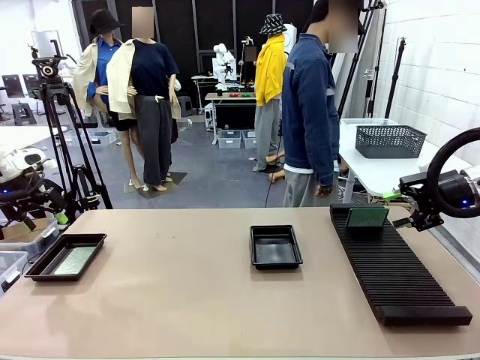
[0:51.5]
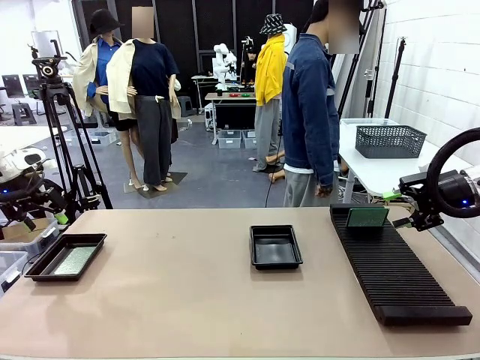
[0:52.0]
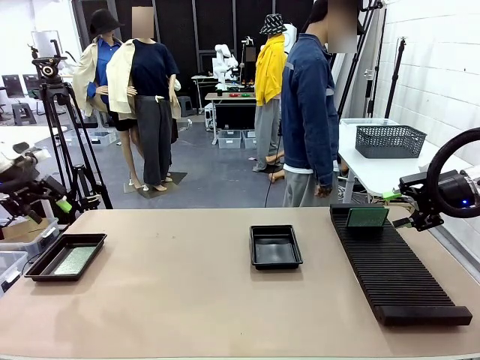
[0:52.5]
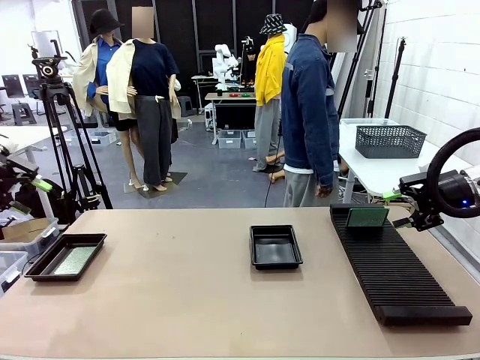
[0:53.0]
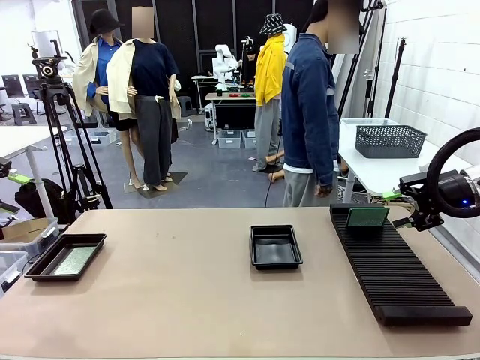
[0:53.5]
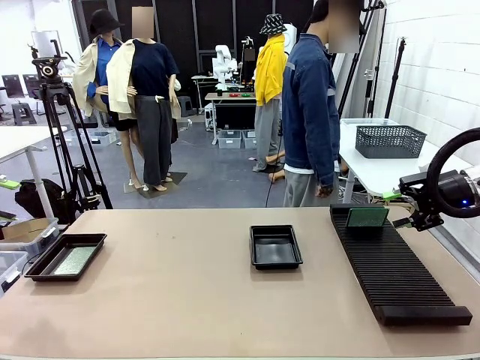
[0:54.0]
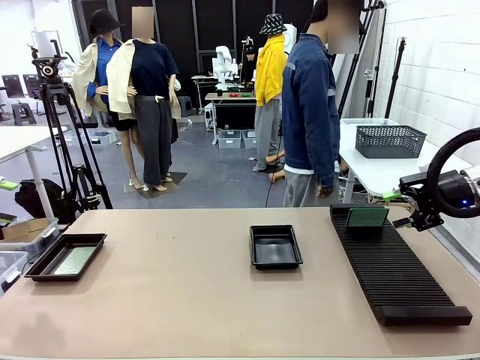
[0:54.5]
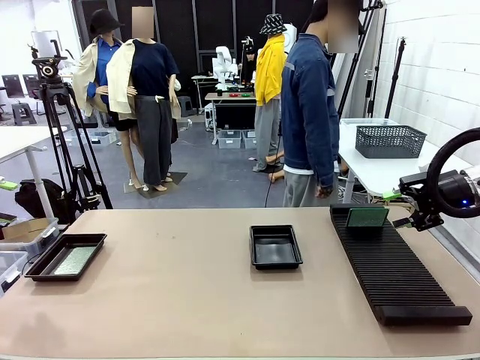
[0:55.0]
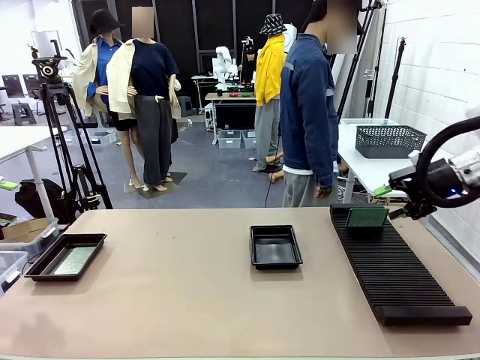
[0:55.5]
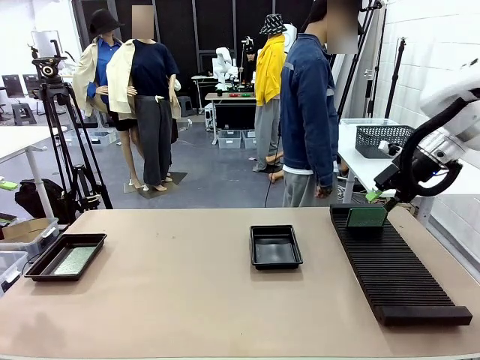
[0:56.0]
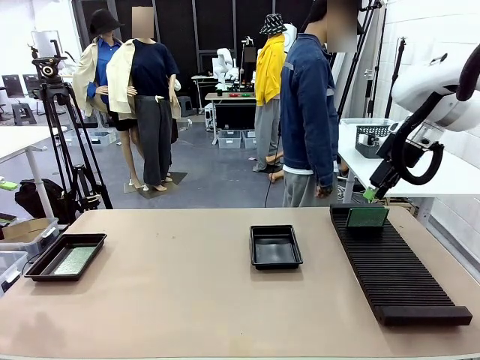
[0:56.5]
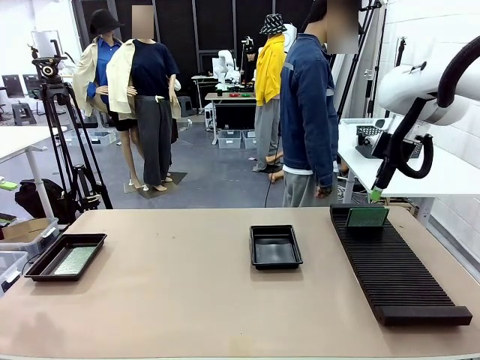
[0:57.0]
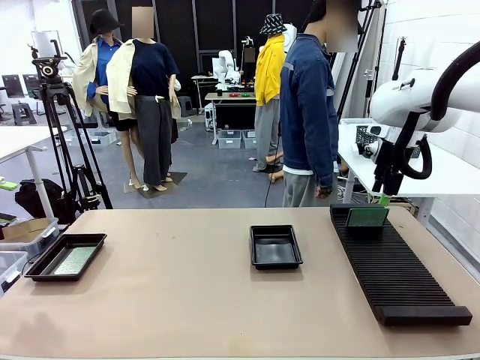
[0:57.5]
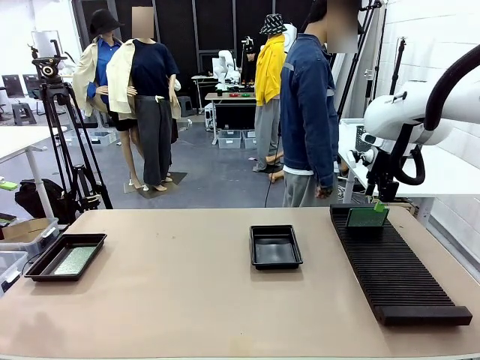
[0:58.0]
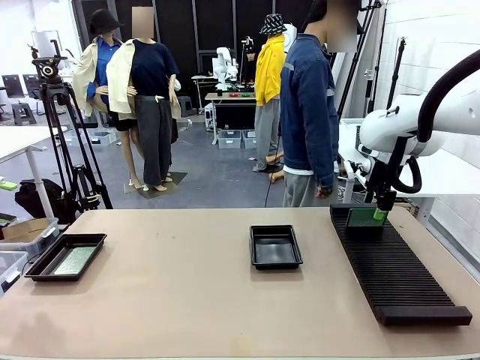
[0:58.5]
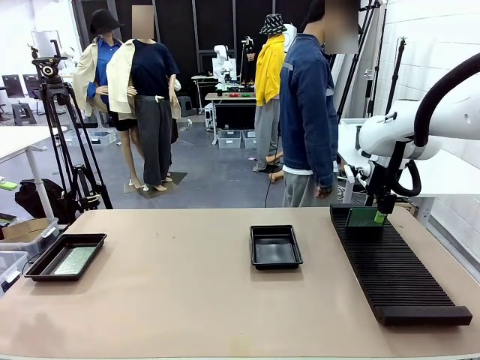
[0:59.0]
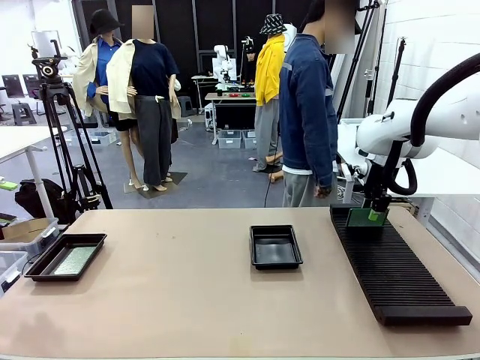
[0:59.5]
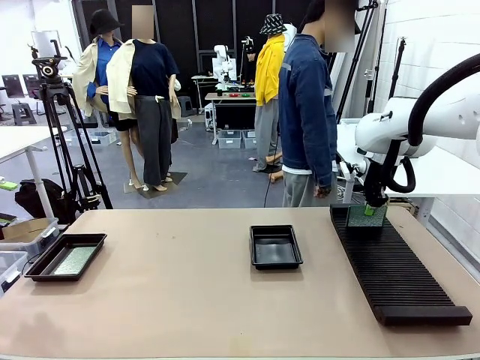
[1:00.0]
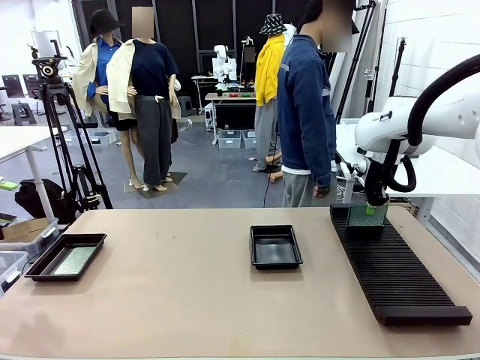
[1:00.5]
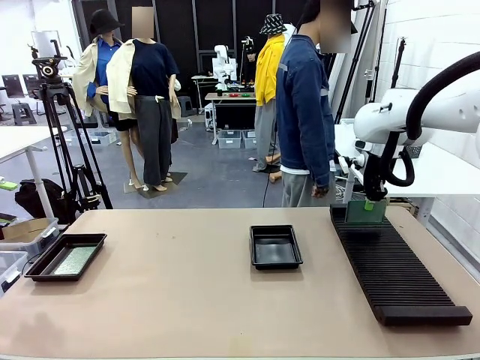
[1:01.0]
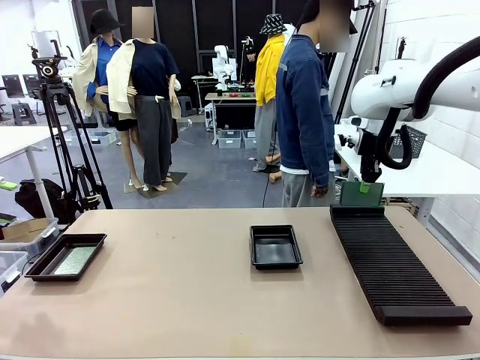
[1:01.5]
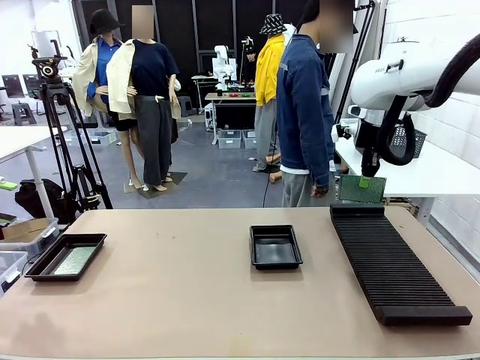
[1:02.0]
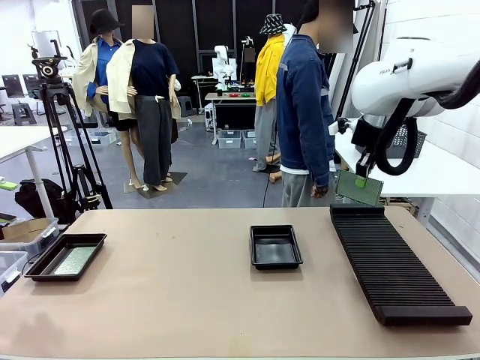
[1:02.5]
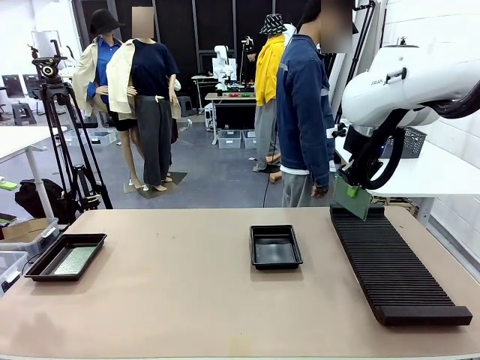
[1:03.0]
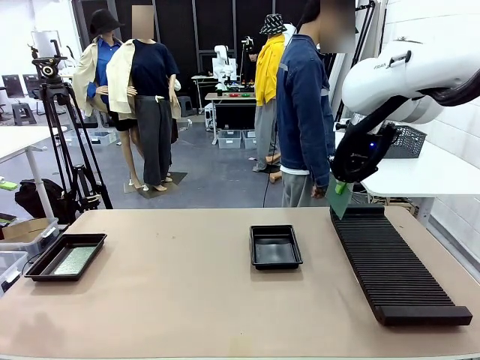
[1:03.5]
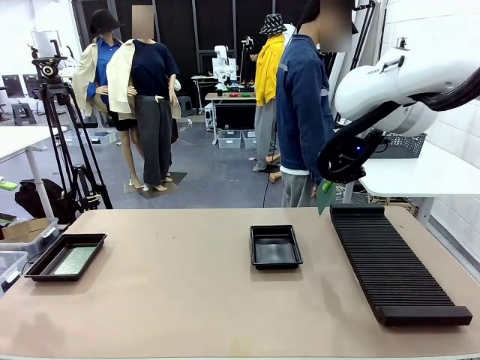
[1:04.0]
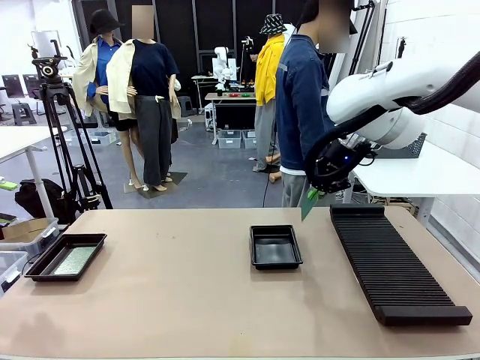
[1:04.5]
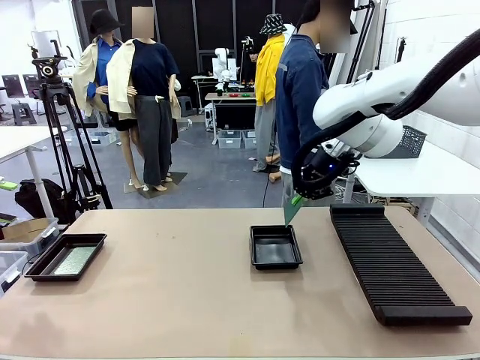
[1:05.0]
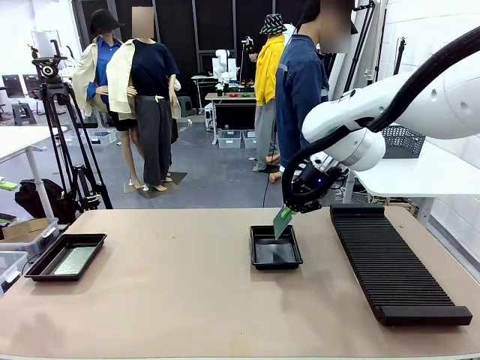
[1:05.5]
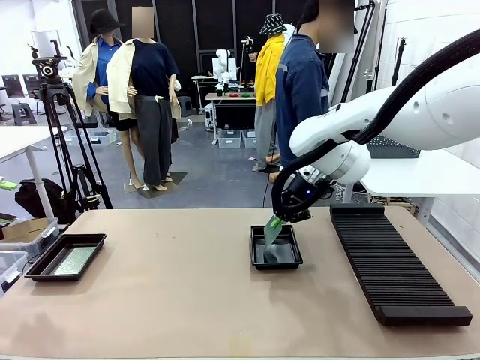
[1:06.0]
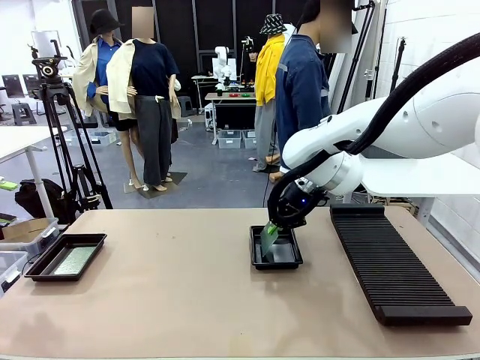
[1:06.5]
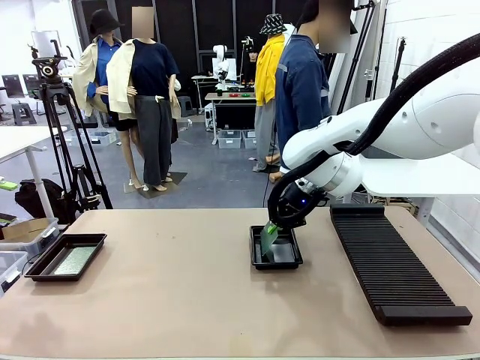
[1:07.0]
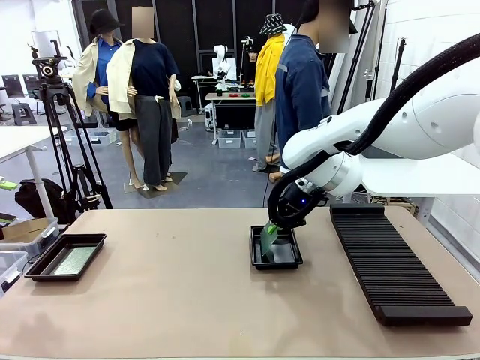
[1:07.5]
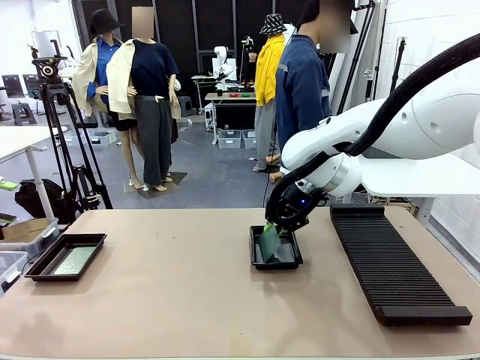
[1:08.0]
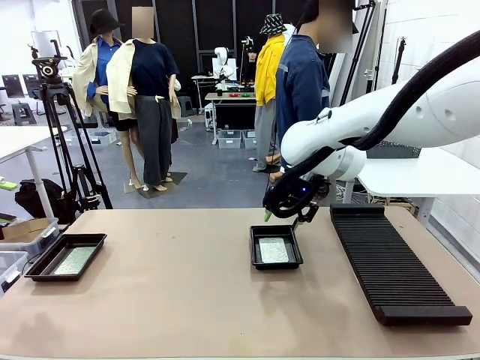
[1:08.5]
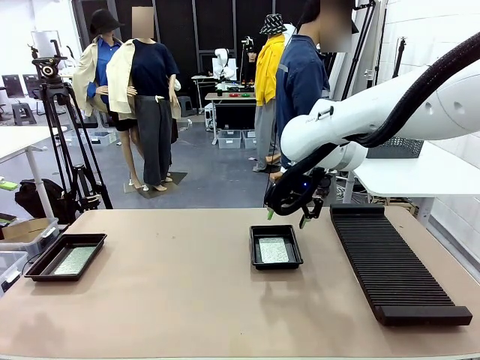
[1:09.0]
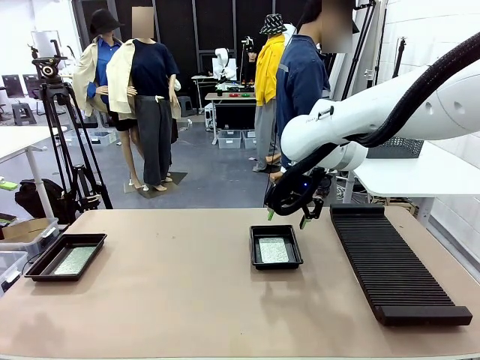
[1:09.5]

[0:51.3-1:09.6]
Task: Inspect and transfer BCBs to ESD trays.
Robot: Pick up the Blank PCB from the PCB Rack and place it in the right ESD tray.

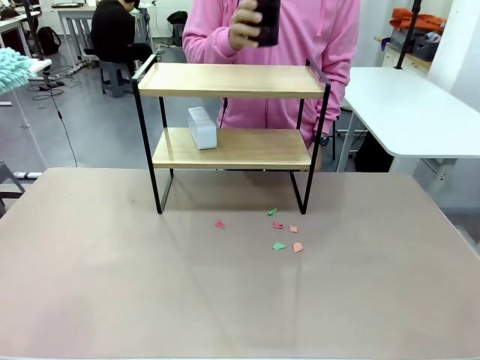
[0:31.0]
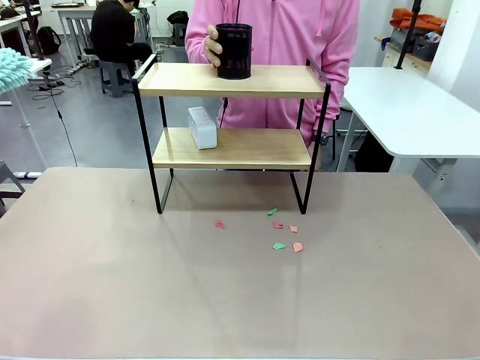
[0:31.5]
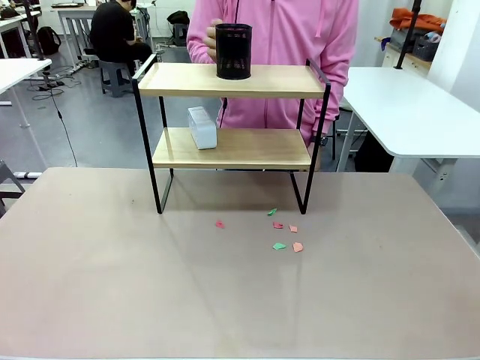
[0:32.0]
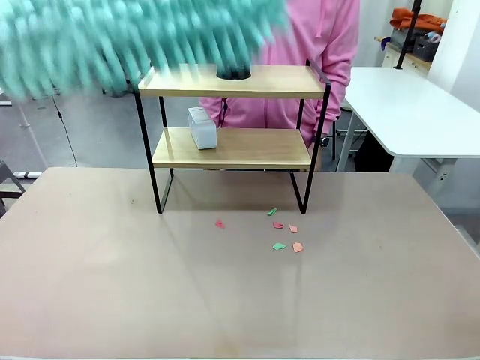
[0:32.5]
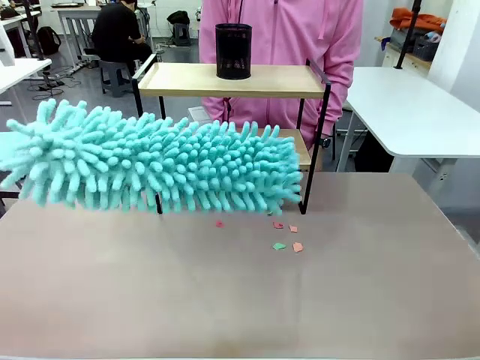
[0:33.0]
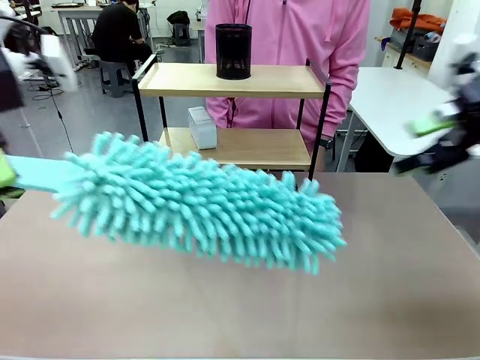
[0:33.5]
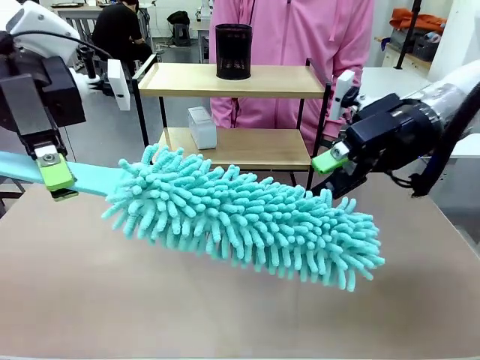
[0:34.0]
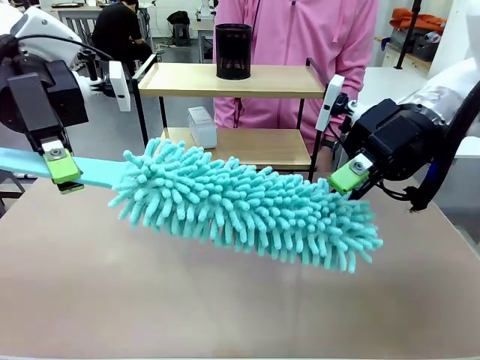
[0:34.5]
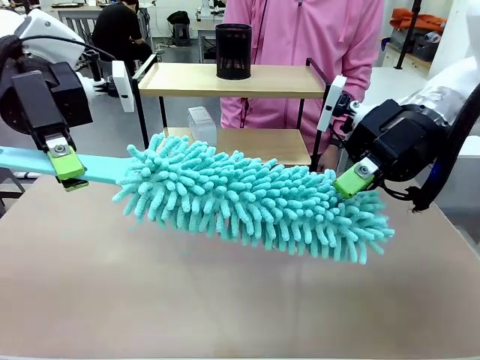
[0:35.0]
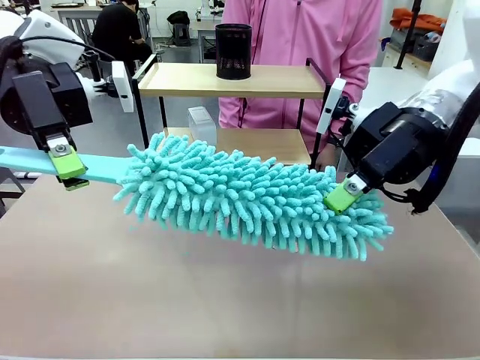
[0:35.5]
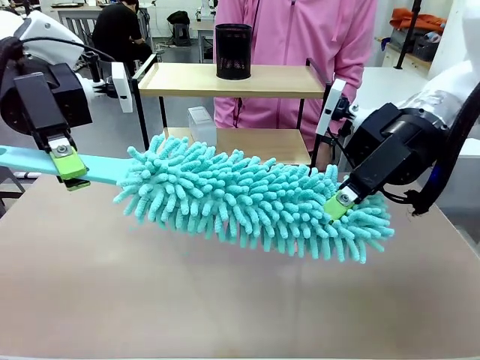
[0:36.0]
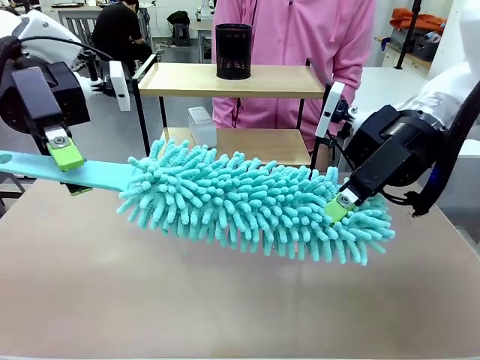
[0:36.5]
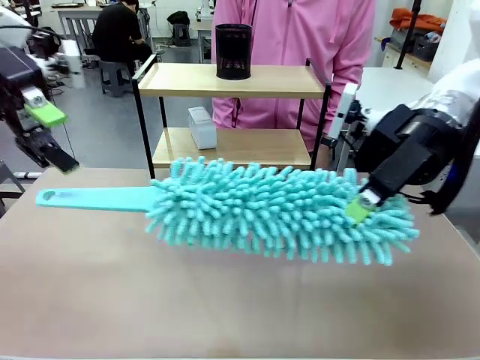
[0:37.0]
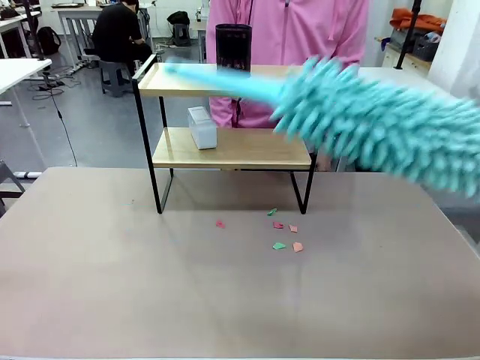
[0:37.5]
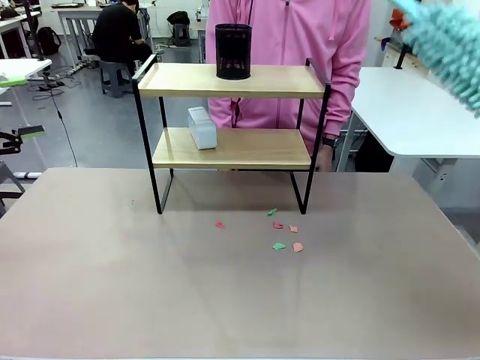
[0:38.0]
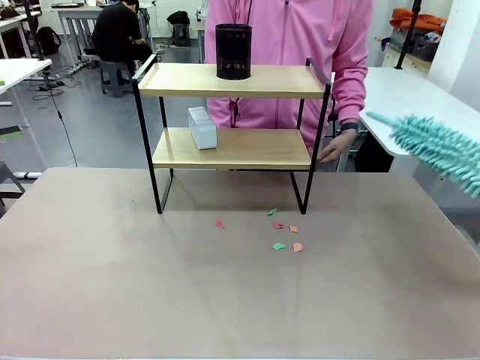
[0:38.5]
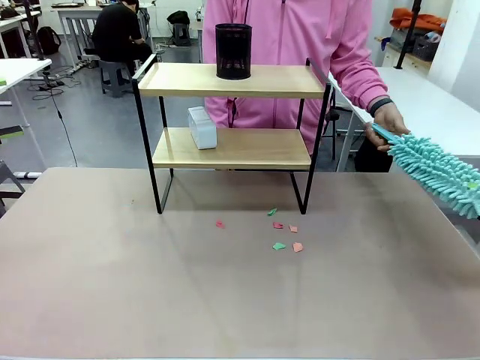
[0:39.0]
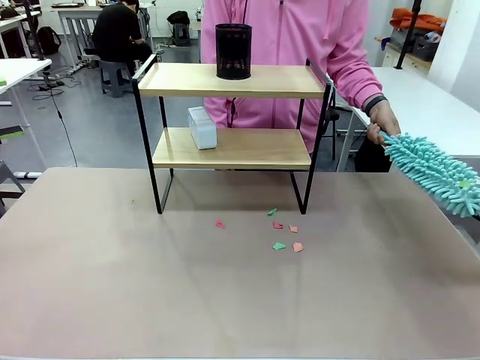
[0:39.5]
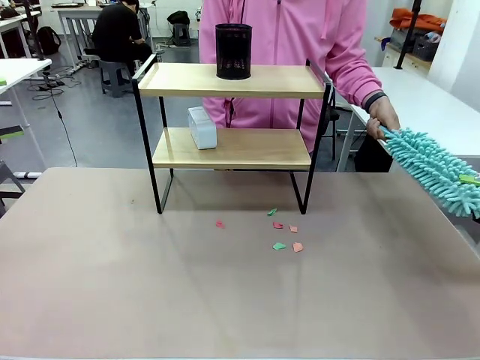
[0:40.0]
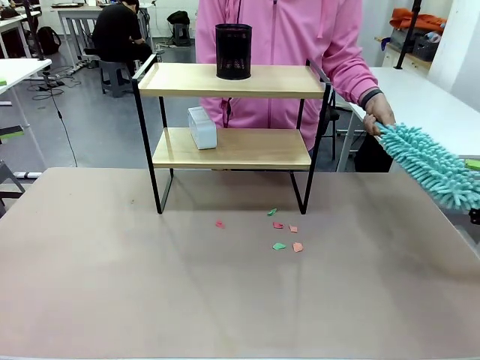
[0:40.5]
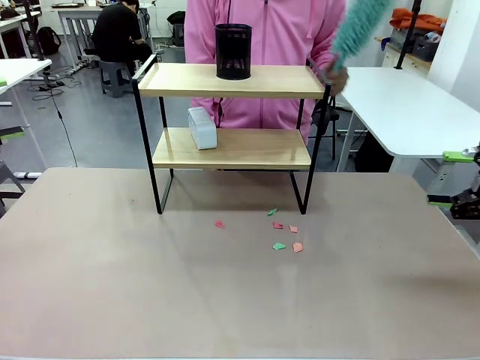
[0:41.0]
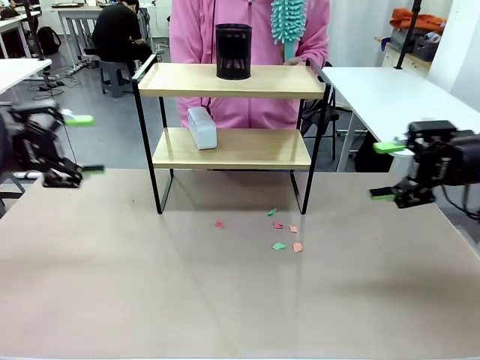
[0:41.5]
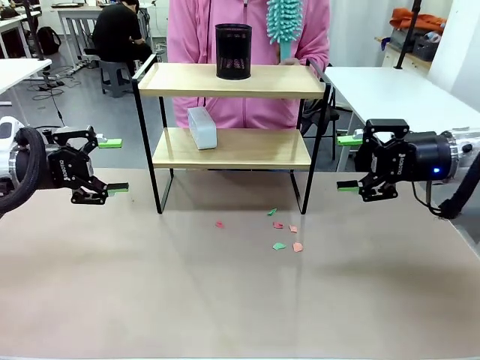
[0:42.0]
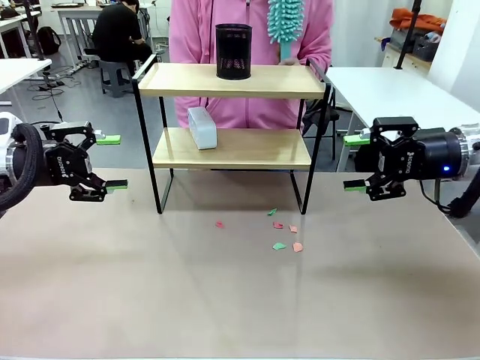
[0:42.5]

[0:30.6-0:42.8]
Task: Clean the shelf.
Robot: Hand the Duster back to the human.
Person: Receive the Duster from the robot.
